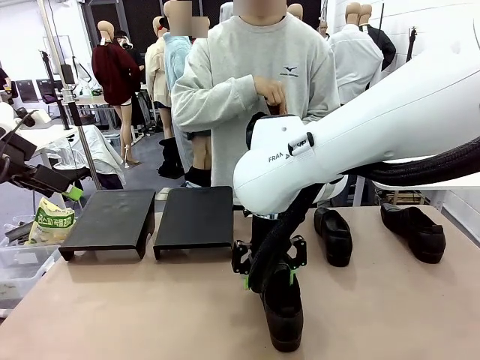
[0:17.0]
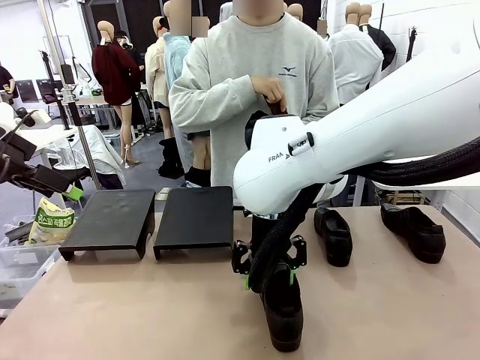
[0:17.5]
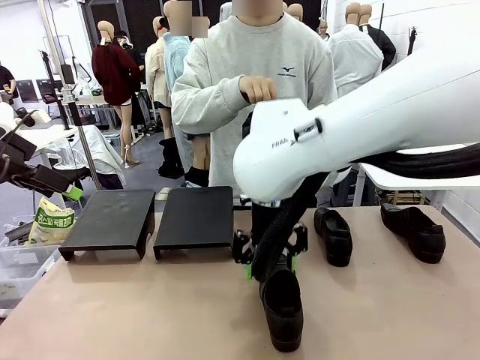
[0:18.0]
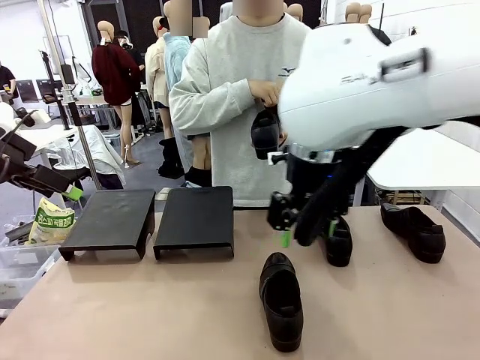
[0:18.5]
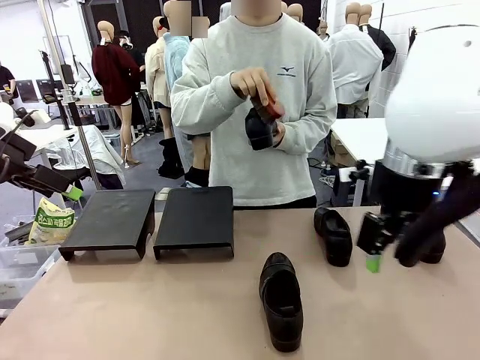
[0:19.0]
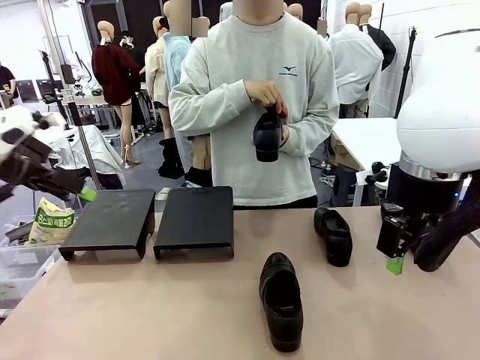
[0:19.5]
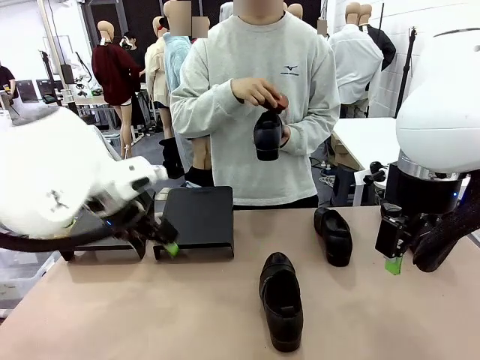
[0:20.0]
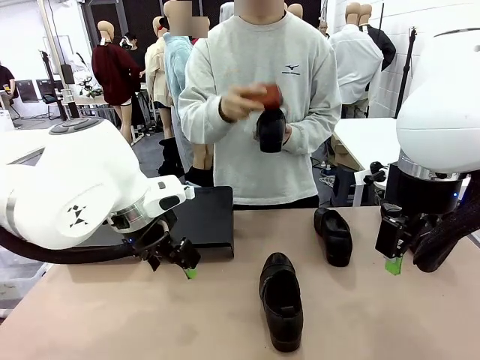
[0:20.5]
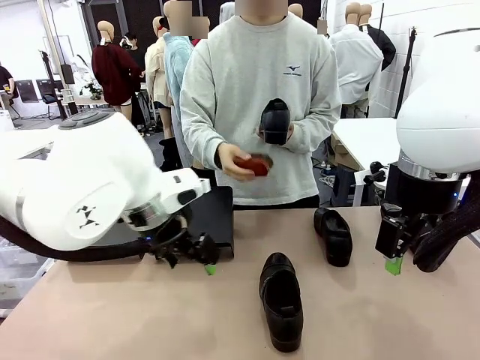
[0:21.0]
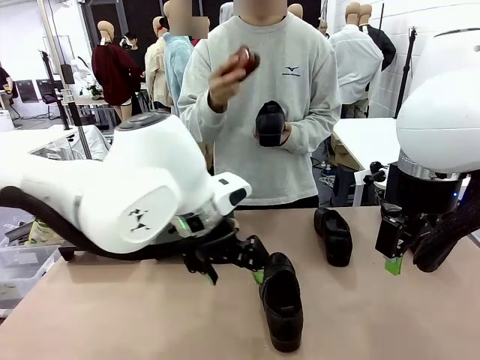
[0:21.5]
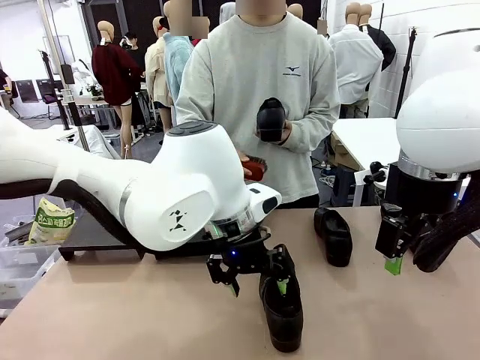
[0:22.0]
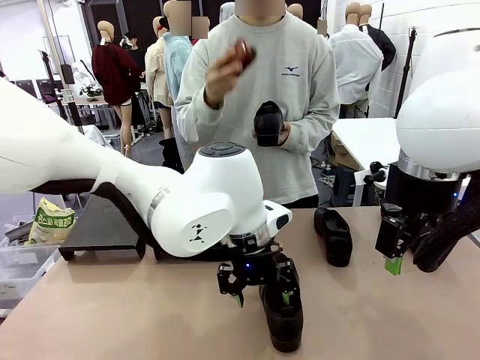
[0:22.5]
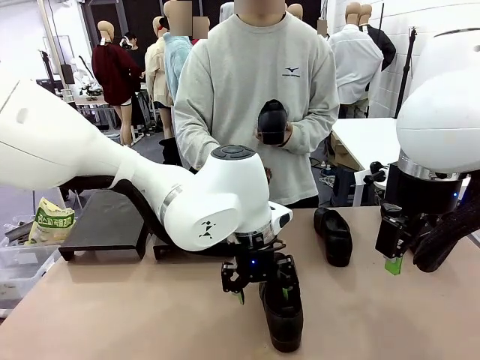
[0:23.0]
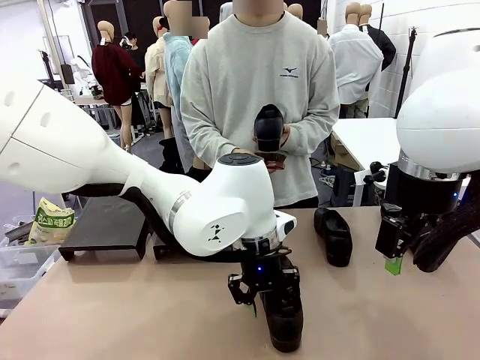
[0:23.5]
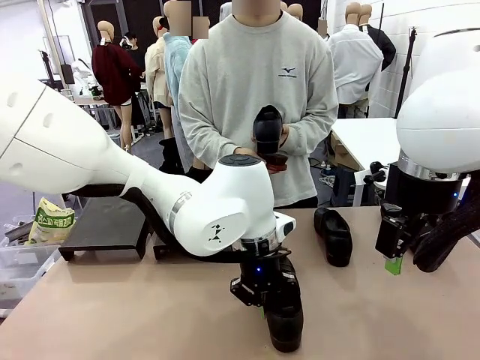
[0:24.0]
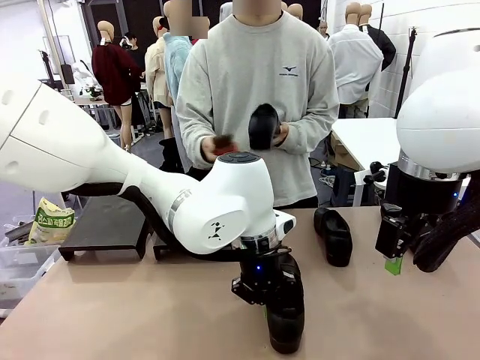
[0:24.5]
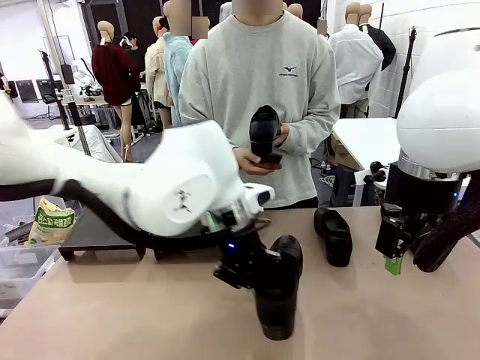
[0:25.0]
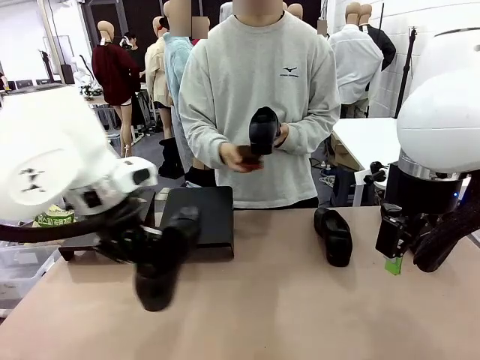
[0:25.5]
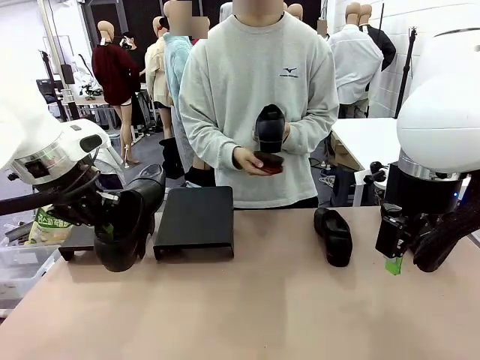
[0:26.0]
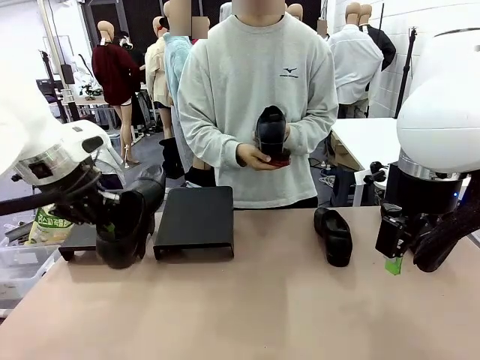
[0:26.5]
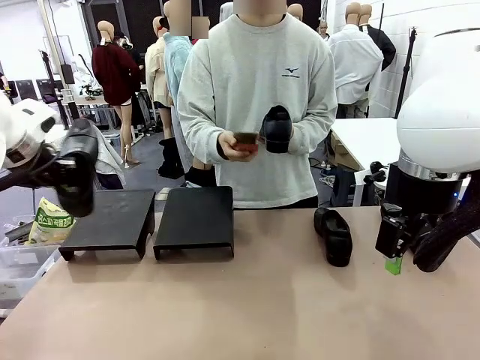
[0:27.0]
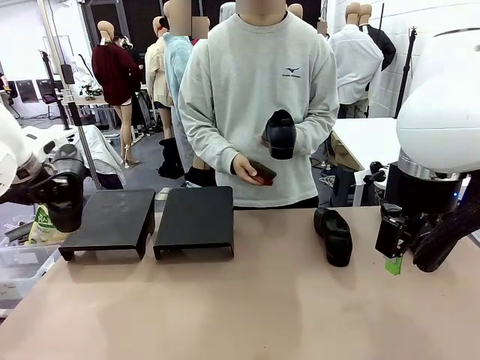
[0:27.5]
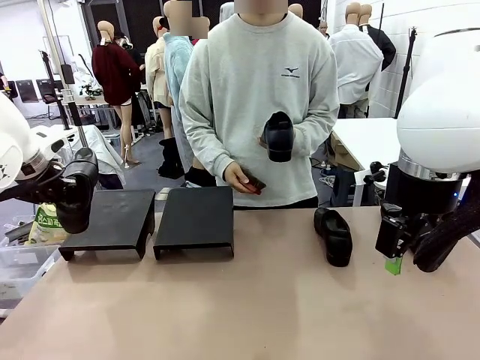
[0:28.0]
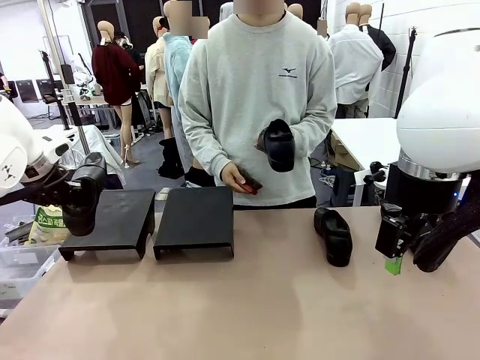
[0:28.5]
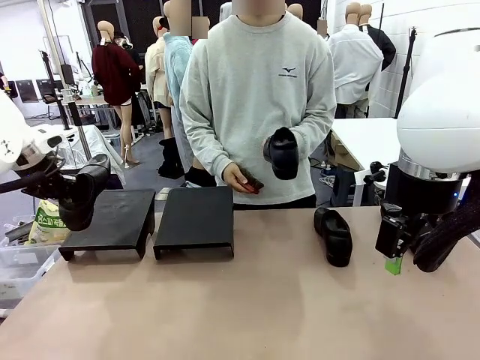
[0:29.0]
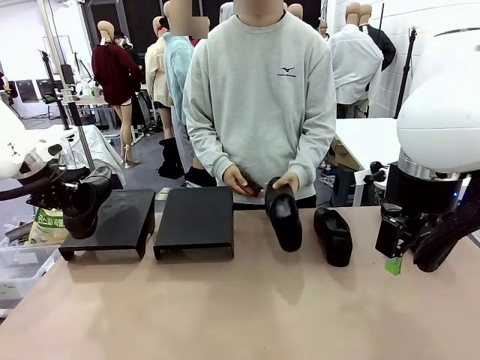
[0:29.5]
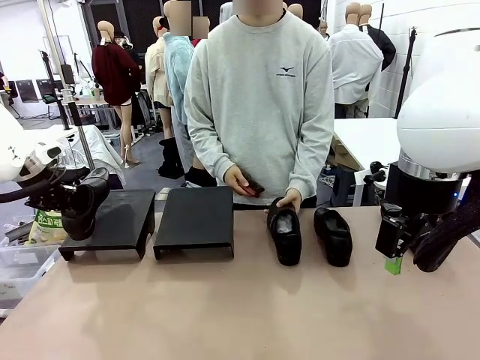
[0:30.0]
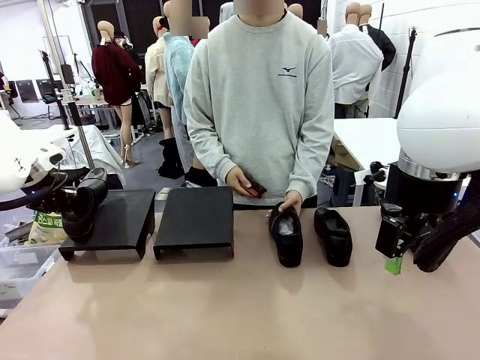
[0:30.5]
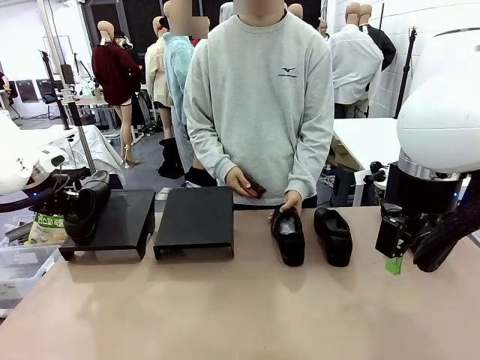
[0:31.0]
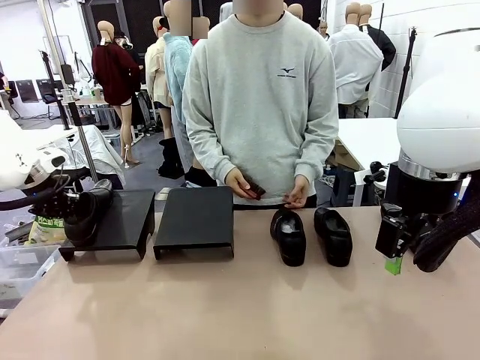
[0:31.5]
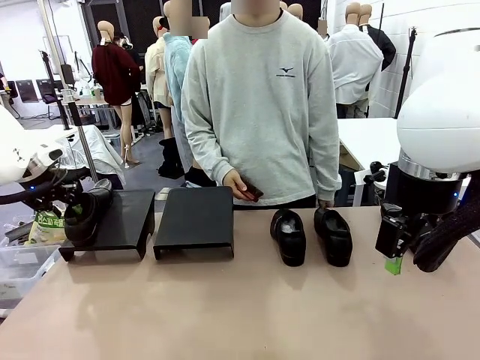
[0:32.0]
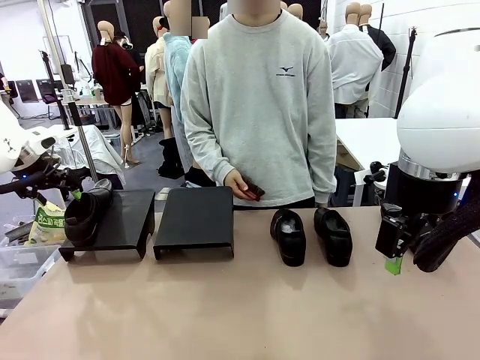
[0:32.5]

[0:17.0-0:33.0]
Task: Organize the shoes by placing them on the stand.
Robot: Place the Shoe from the middle of the table onto the Shoes Stand.
Person: Place the Shoe on left side of the Robot's table.

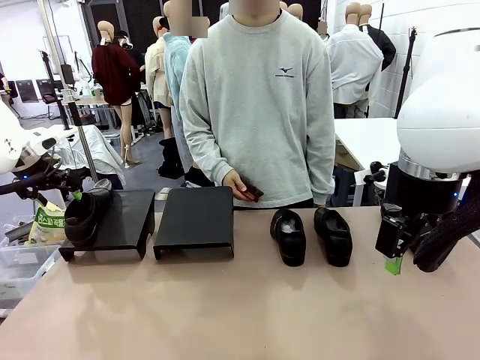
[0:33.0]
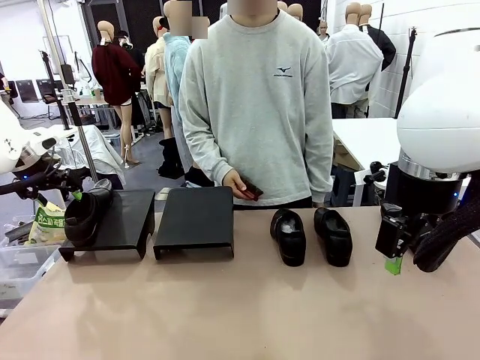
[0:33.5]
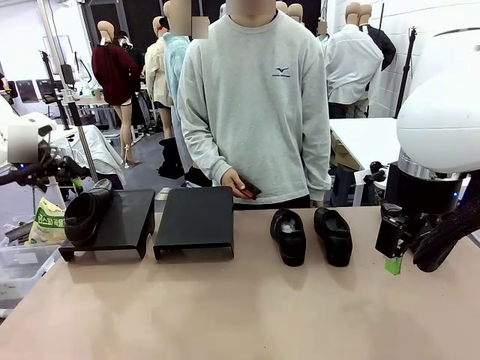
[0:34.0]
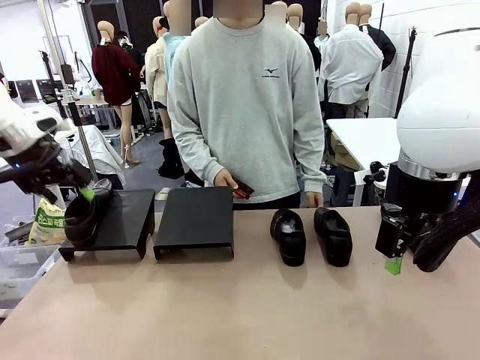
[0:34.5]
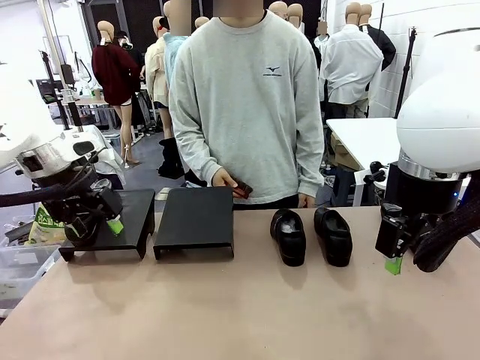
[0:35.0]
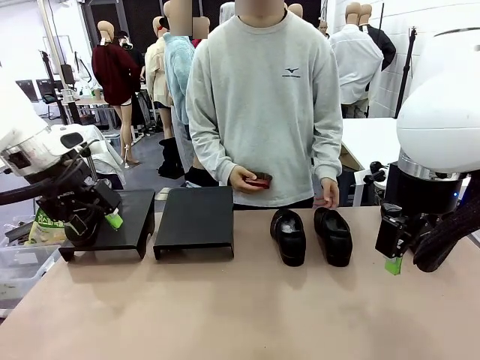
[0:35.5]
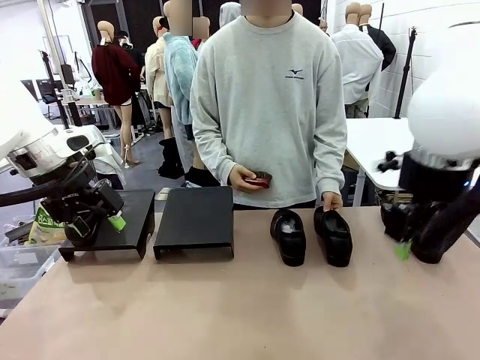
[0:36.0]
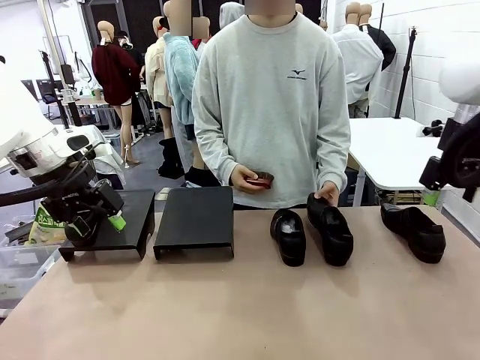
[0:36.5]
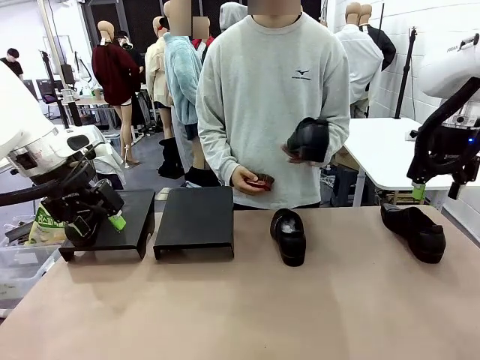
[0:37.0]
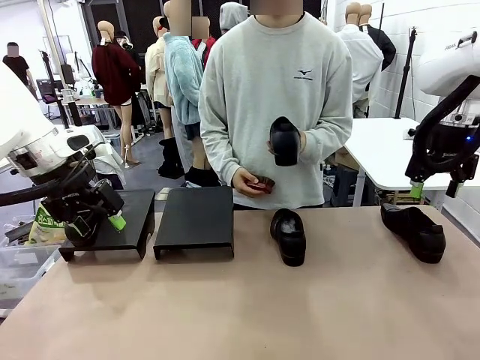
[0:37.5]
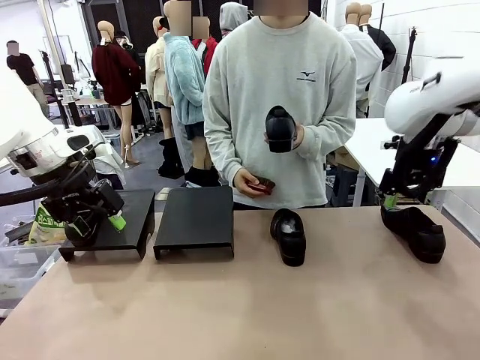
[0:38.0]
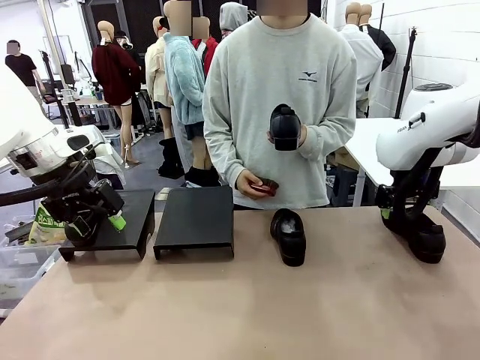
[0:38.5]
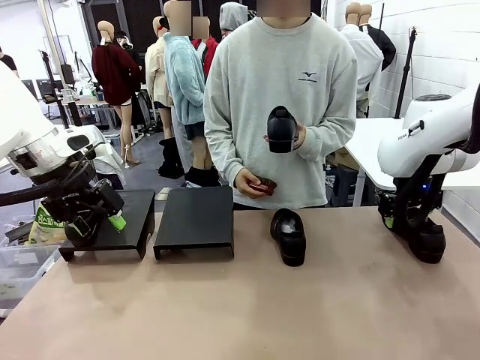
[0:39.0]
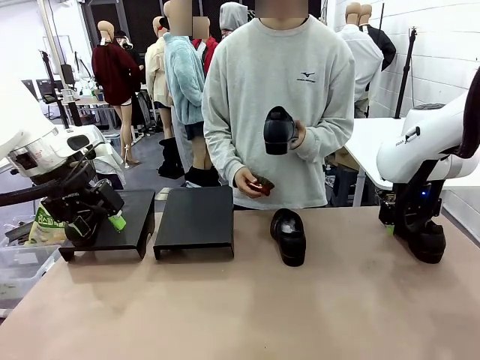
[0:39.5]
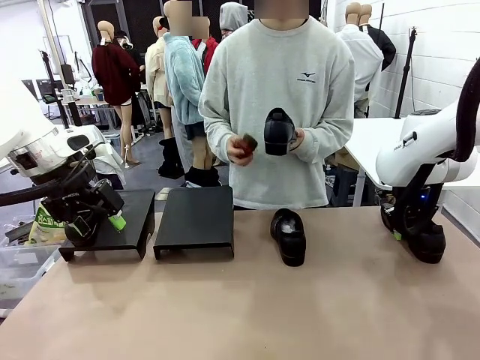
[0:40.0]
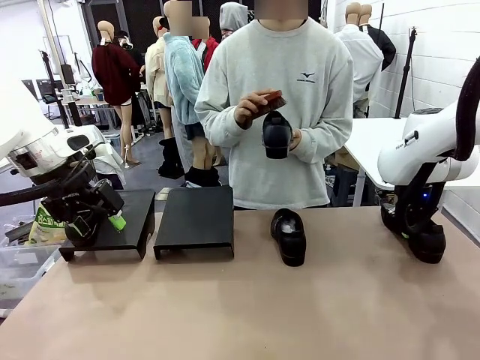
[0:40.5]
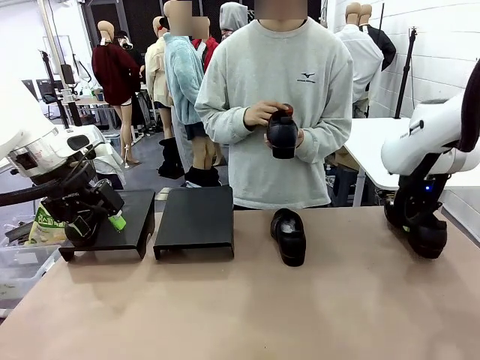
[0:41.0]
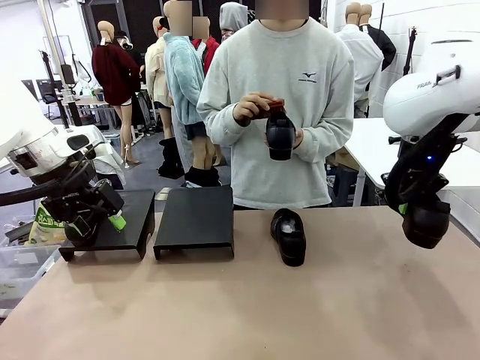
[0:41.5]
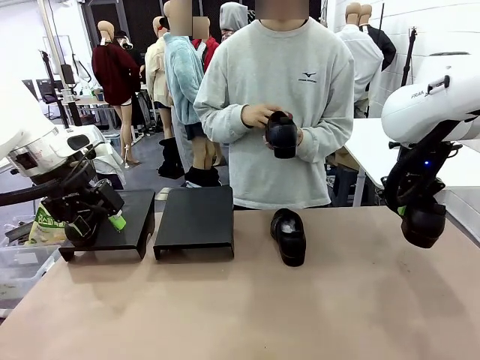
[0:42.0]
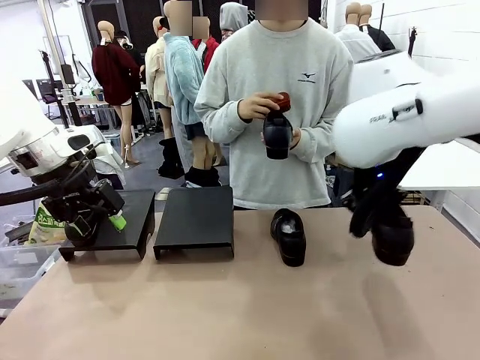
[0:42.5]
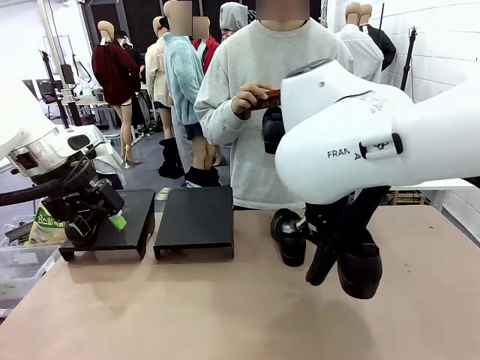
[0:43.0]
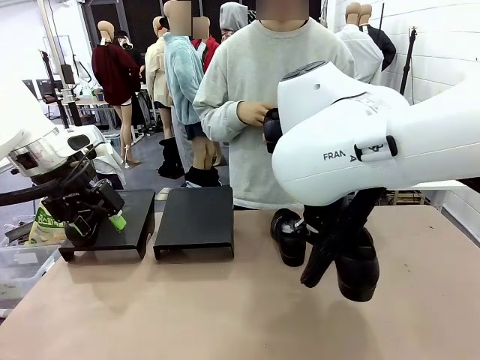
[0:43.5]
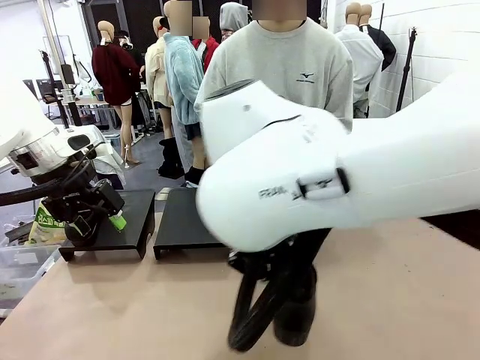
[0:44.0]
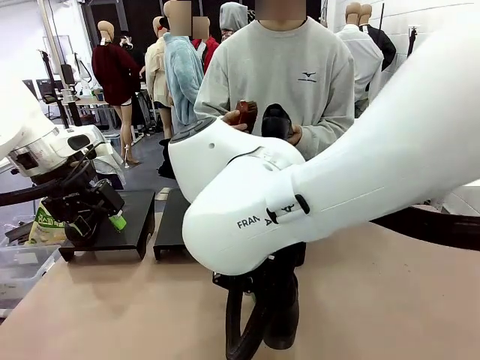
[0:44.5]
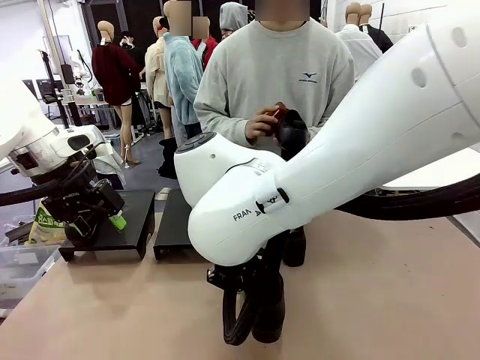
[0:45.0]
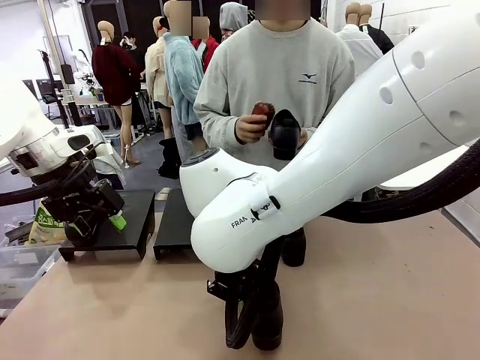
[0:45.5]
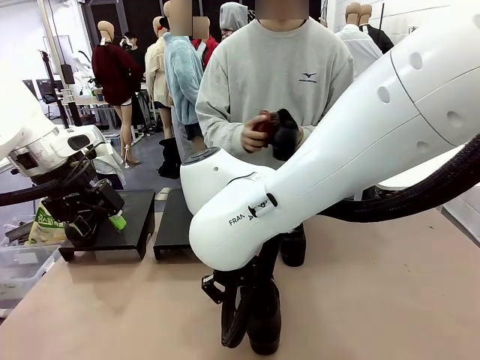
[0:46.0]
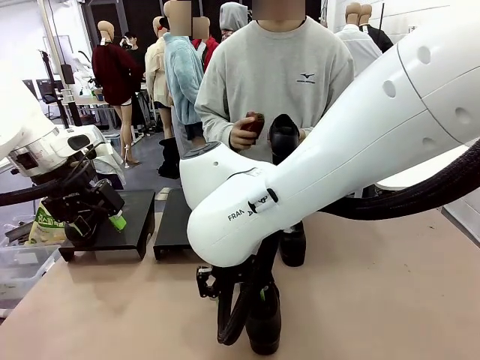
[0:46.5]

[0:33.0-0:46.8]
Robot: Pick up one Shoe and place it in the middle of the table.
Person: Pick one Shoe on Robot's table.
